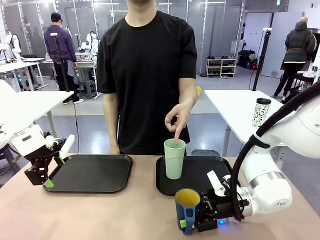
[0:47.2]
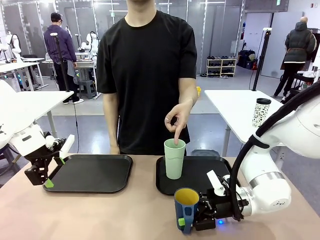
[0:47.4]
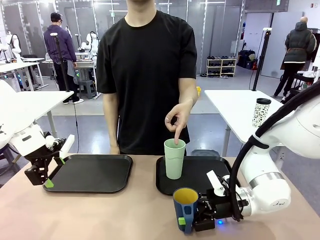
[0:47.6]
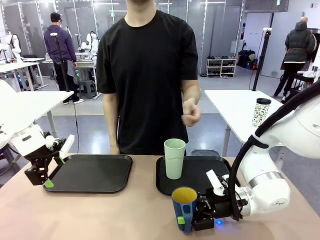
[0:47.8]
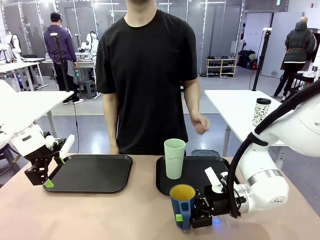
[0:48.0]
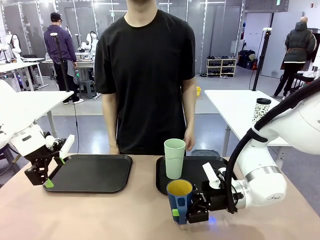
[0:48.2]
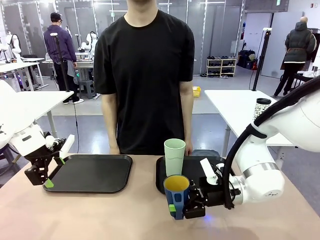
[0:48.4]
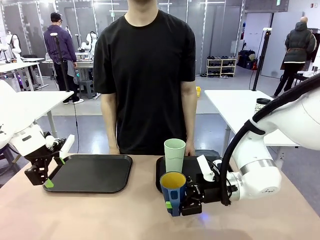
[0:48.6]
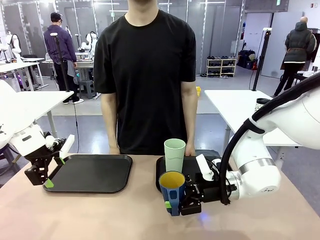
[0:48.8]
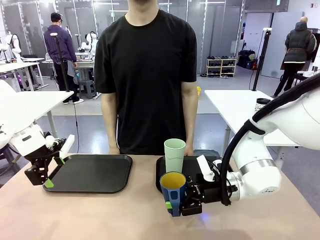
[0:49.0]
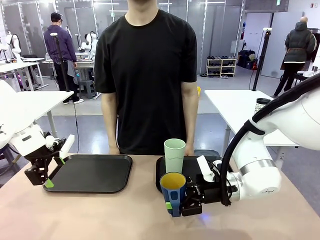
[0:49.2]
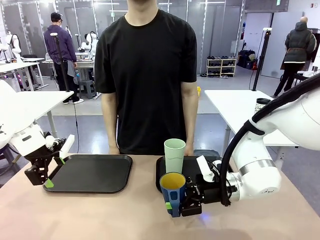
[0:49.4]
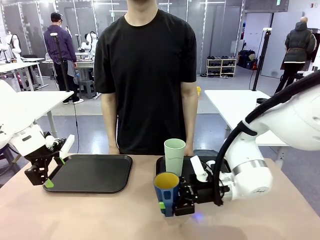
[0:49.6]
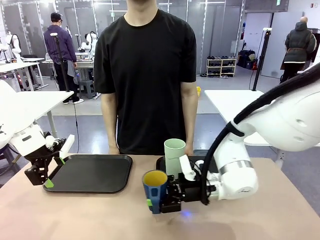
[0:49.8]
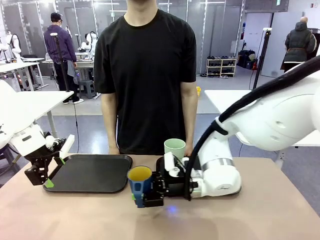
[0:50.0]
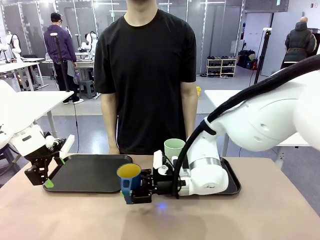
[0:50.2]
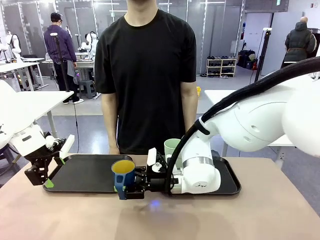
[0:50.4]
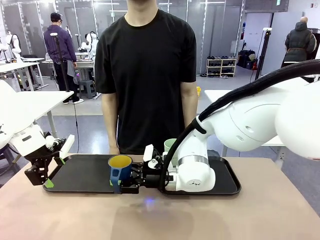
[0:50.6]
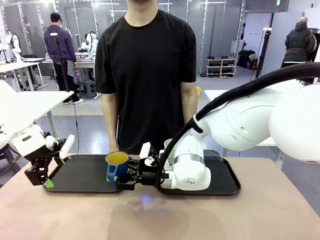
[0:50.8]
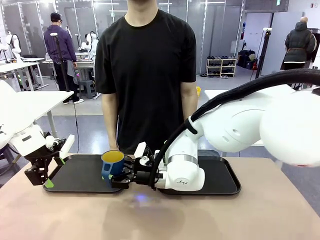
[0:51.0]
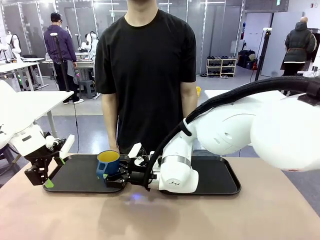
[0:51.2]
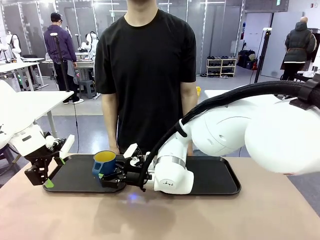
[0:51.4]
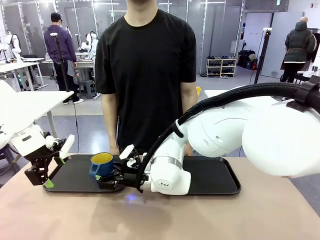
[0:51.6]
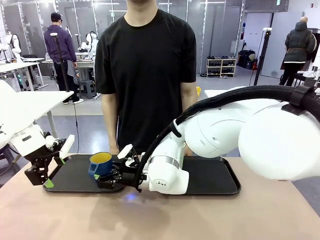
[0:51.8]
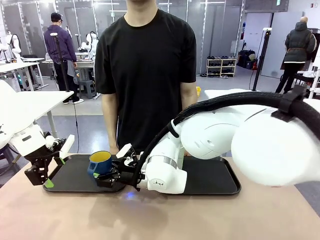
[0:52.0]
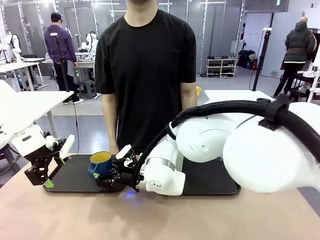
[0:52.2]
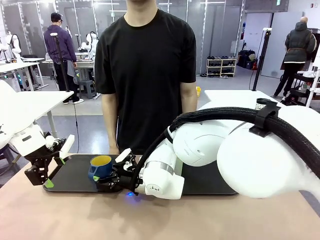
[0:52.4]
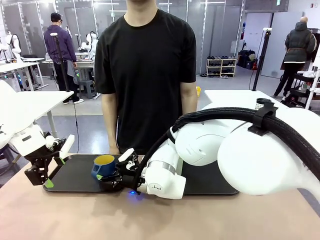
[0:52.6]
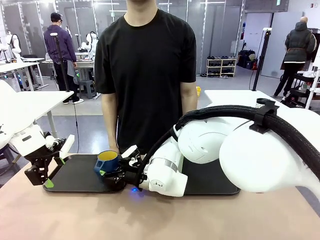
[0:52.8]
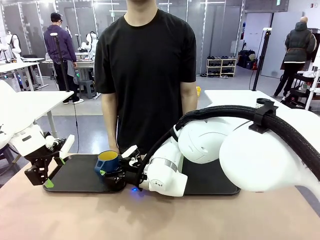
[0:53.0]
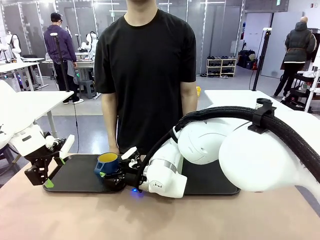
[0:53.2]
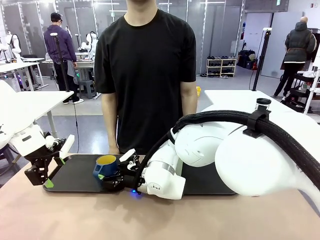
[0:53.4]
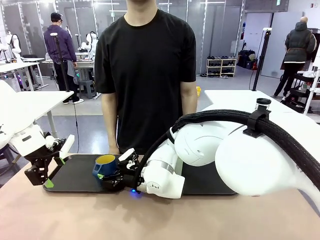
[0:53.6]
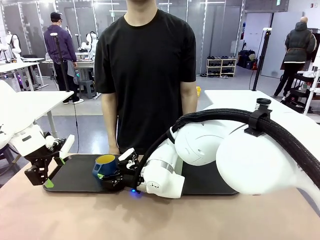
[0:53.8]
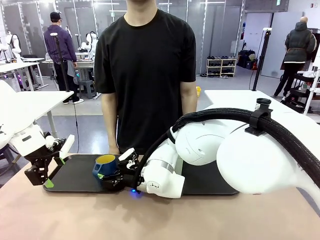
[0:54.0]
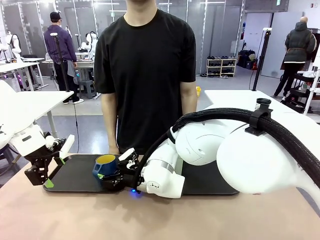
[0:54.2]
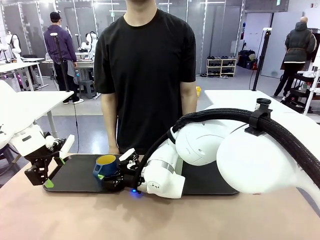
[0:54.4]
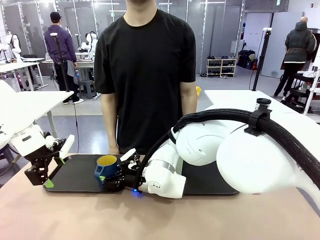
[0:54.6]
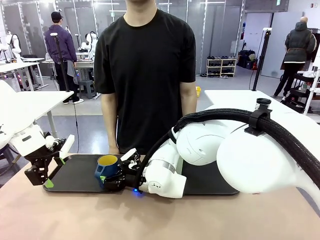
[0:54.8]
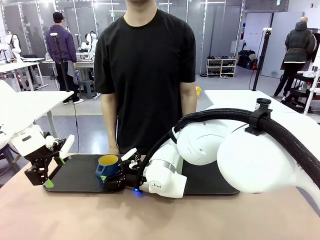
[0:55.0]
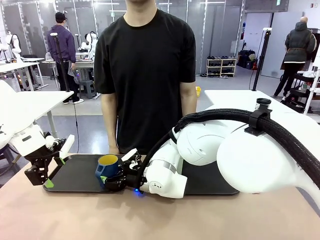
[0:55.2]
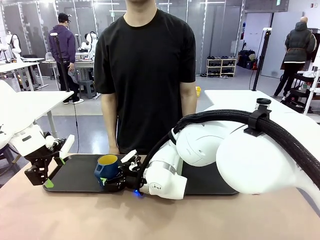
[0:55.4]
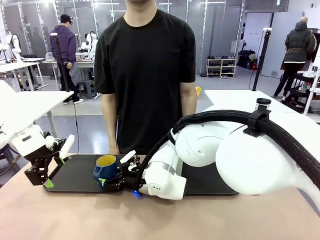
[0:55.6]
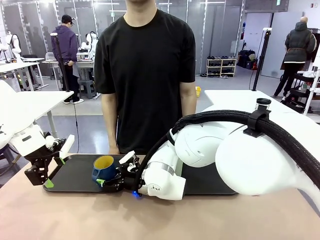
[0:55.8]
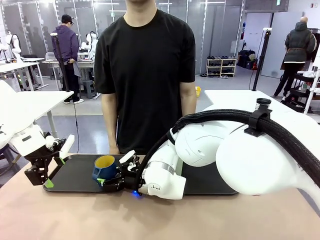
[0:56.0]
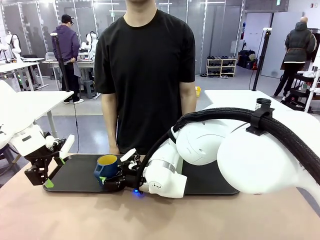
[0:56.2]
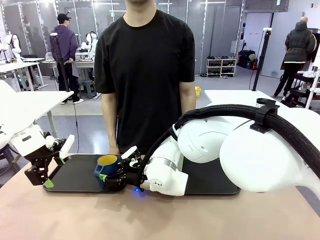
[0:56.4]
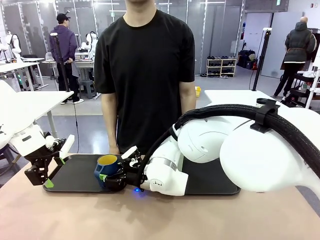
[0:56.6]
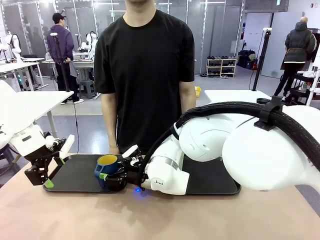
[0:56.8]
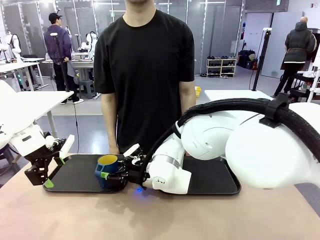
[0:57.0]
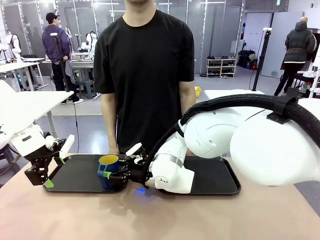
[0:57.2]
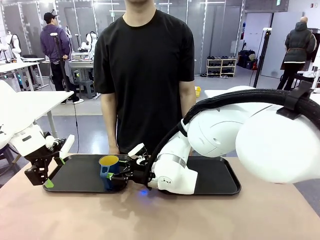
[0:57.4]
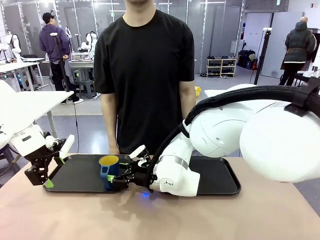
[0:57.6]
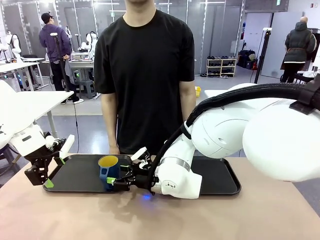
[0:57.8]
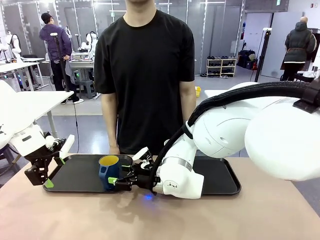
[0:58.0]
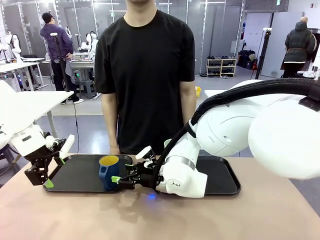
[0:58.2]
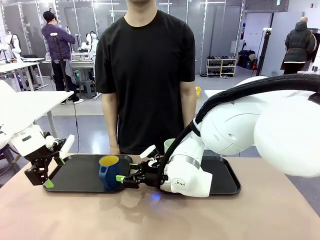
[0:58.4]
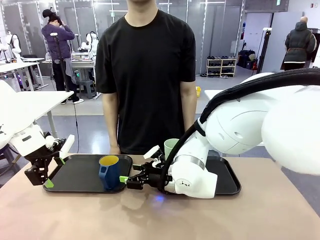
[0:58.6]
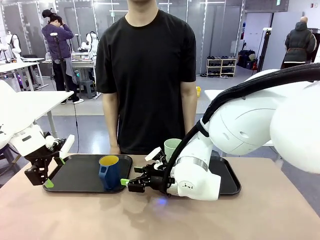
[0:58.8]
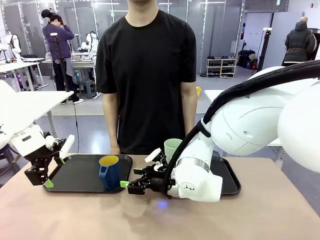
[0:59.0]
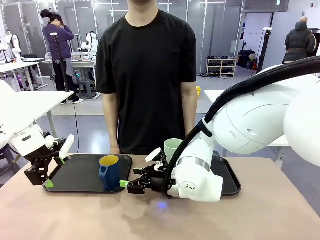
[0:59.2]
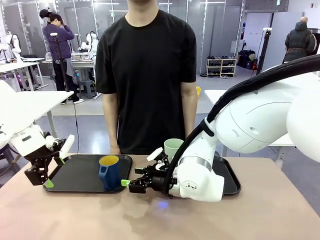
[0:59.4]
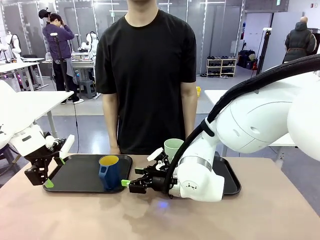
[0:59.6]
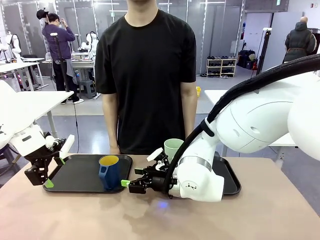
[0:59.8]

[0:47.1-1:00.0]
Task: Sort and store the cups by type.
Robot: Pick up the Handle plastic cup and place it into the empty Flat Tray.

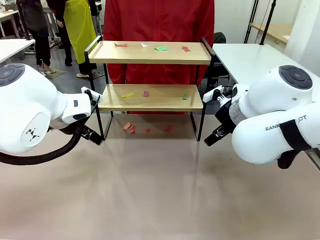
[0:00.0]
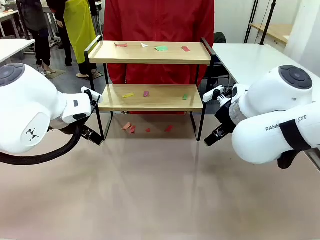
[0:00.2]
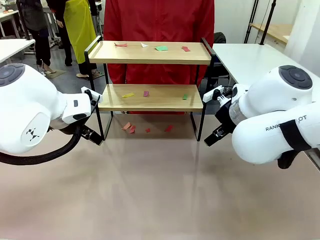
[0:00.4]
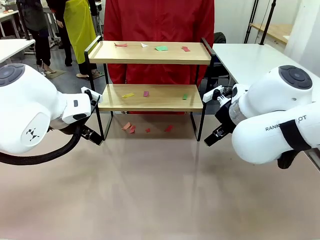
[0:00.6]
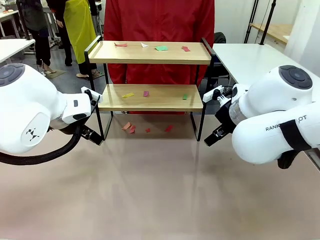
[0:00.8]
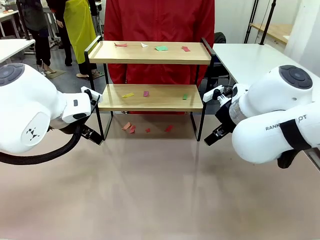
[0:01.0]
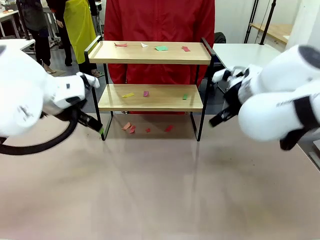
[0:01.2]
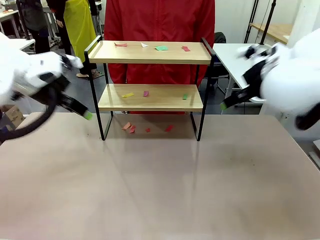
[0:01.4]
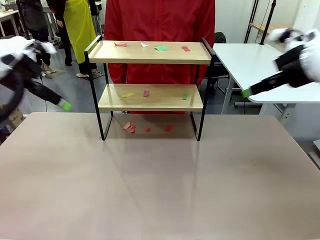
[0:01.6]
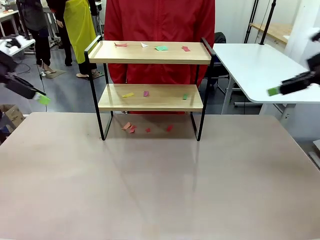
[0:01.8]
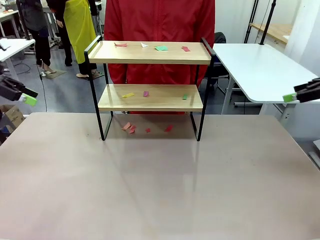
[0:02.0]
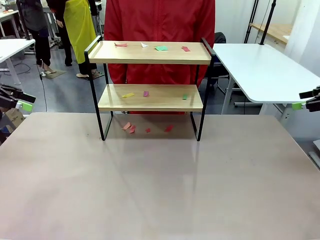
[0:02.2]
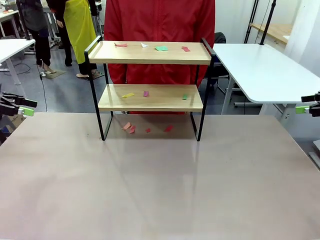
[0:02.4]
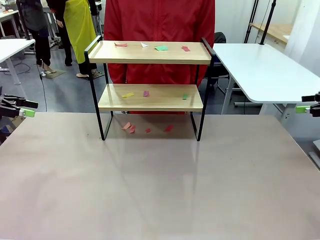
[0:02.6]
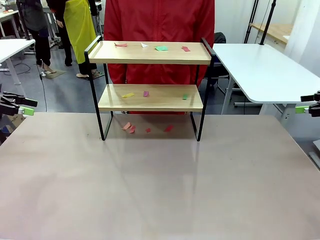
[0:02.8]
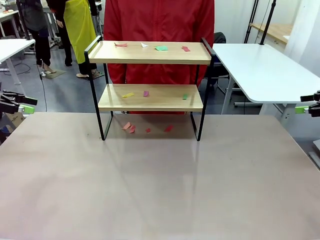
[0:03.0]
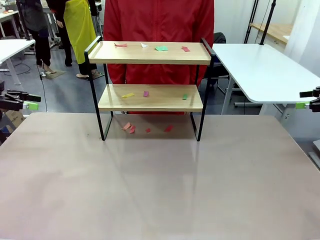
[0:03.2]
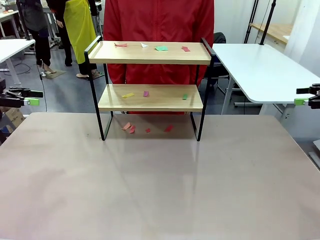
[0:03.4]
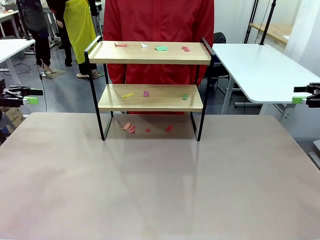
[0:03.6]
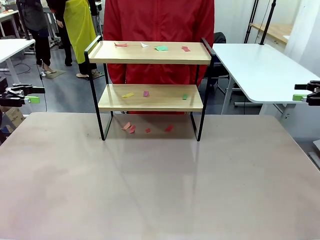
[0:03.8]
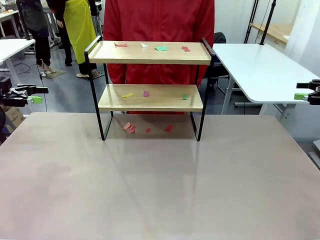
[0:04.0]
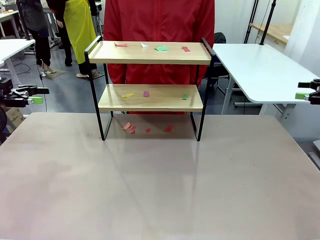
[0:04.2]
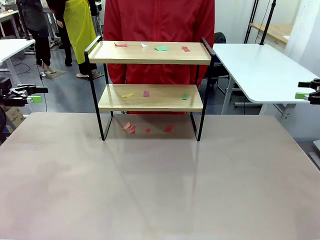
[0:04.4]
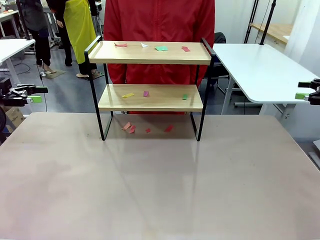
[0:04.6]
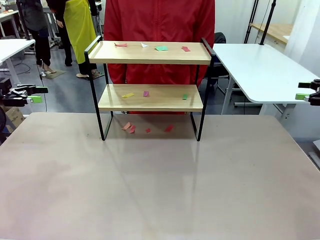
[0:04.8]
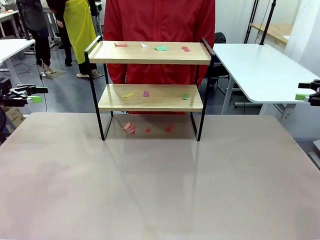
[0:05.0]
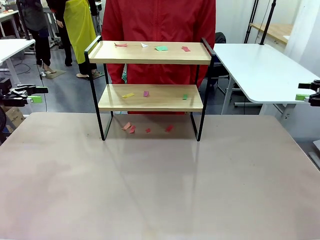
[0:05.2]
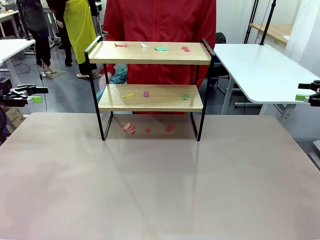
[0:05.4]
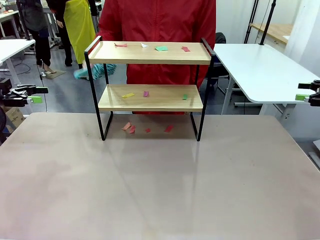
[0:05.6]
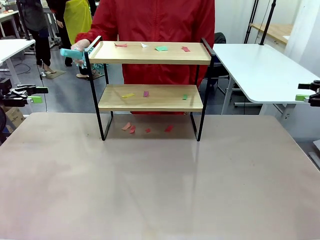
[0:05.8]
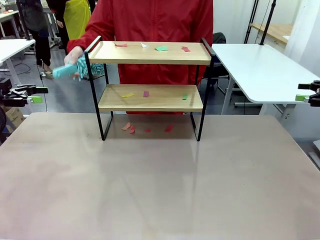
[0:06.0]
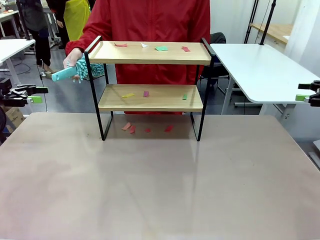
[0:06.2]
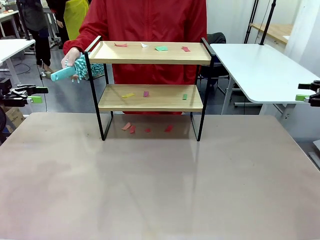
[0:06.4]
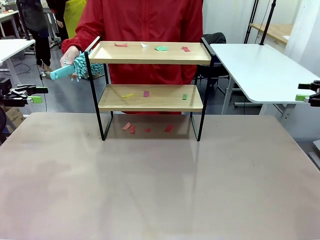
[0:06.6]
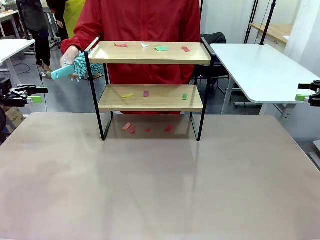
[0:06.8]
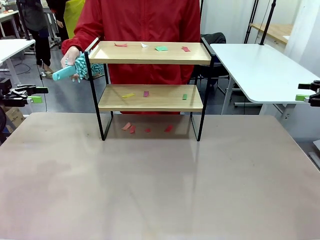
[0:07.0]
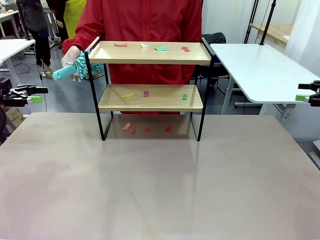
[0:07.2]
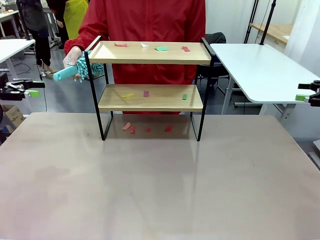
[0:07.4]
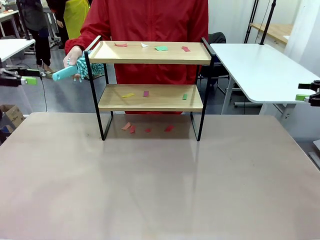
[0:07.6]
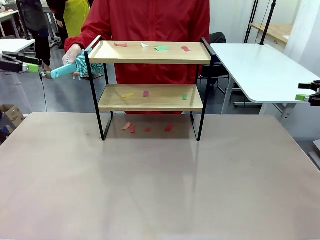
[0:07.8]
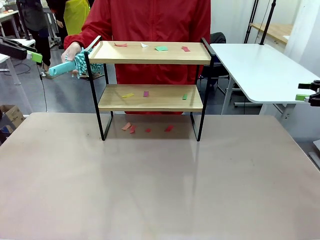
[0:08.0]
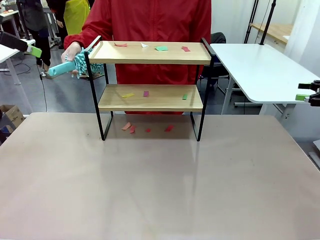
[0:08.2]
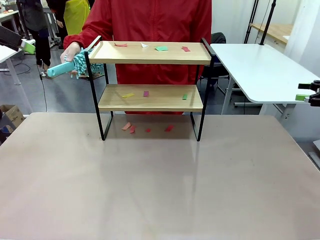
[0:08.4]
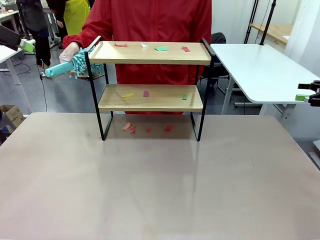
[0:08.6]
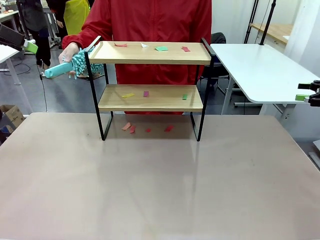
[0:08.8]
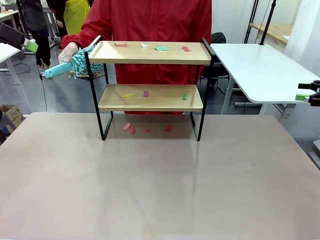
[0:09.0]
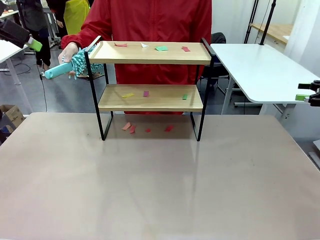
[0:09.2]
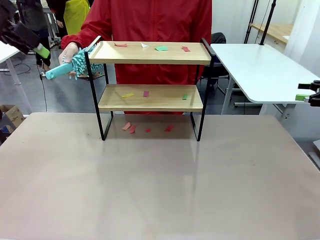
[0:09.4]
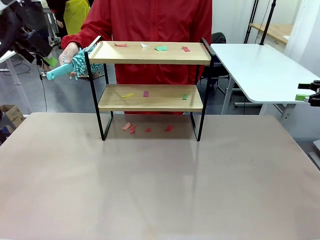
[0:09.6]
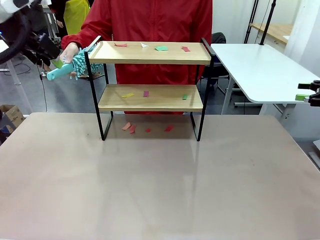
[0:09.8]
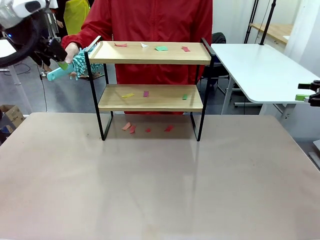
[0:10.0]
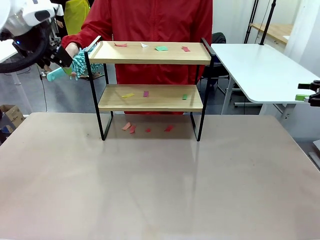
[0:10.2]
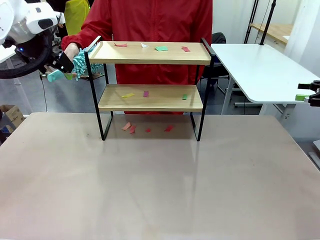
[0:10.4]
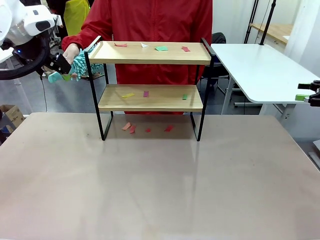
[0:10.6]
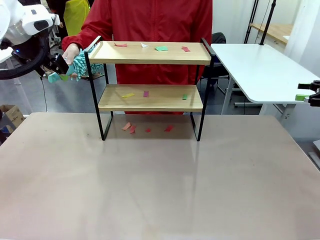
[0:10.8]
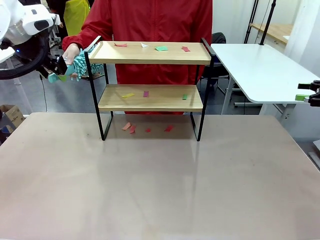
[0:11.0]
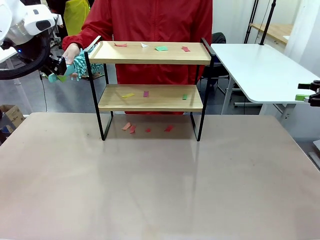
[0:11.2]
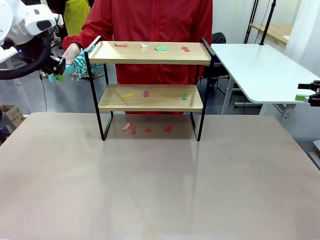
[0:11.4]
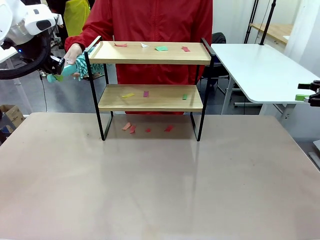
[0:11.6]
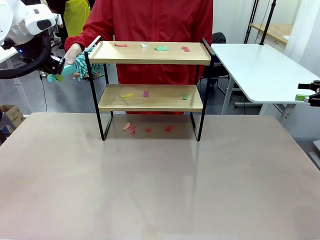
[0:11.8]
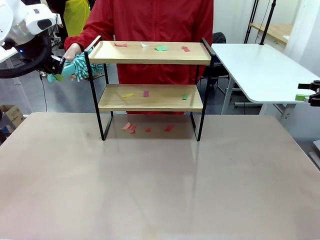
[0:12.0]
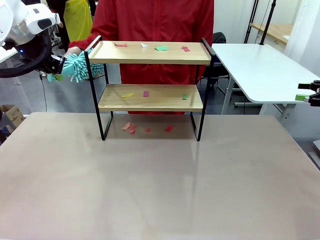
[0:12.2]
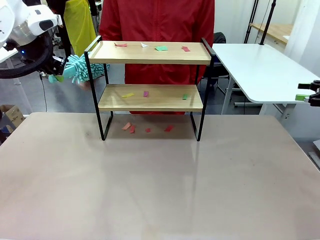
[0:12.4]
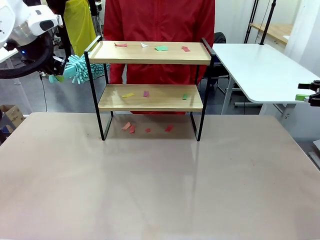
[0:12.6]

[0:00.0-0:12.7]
Task: Clean the shelf.
Robot: Pick up the Duster handed by the human.
Person: Hand the Duster to the robot.
